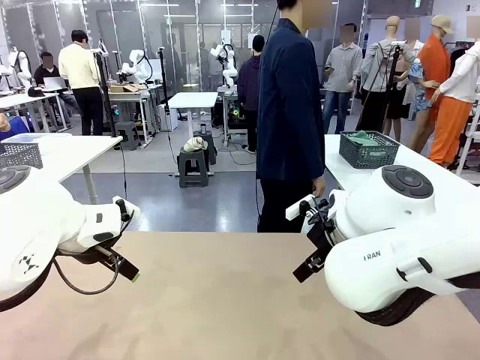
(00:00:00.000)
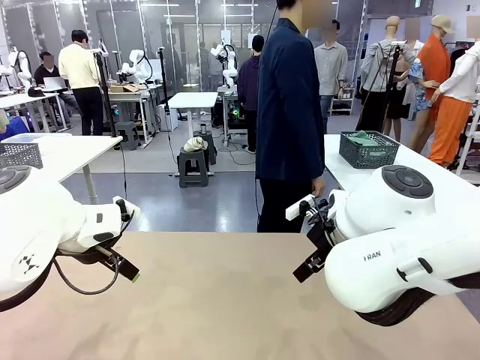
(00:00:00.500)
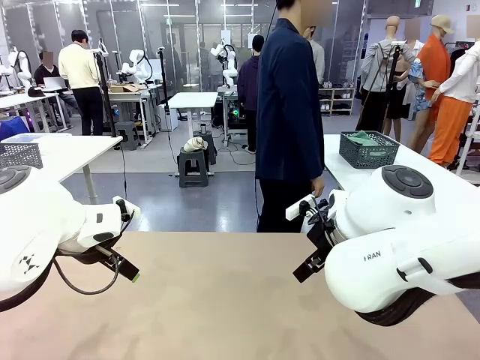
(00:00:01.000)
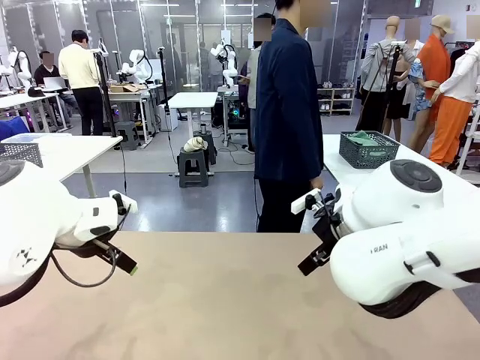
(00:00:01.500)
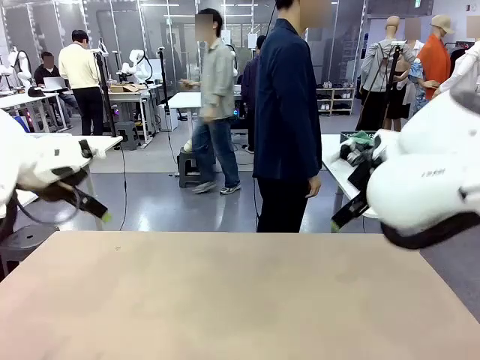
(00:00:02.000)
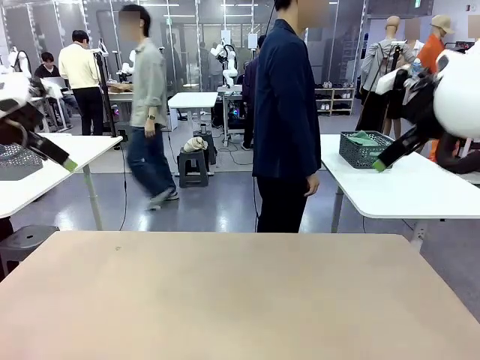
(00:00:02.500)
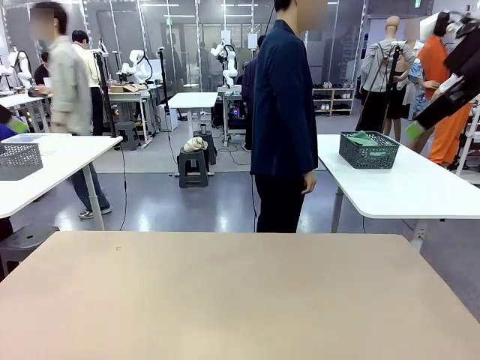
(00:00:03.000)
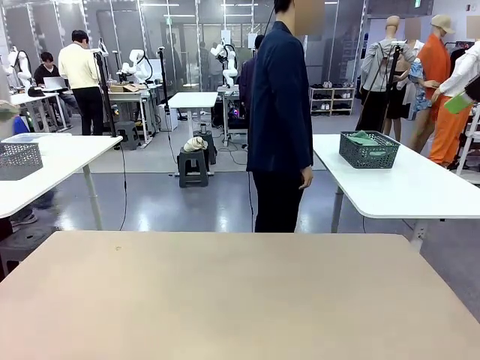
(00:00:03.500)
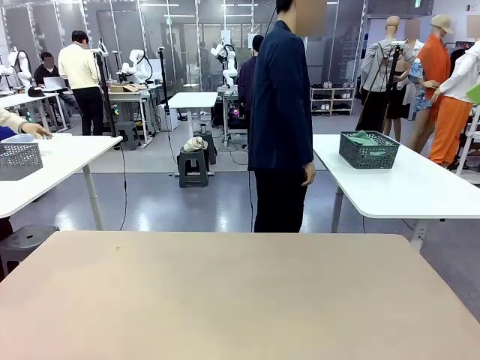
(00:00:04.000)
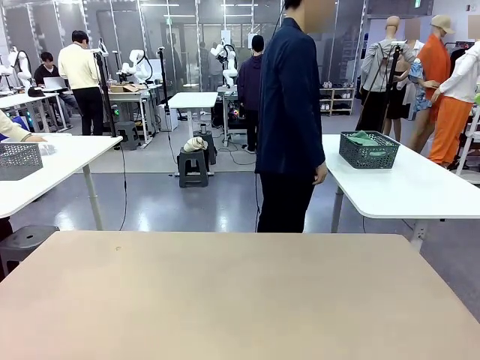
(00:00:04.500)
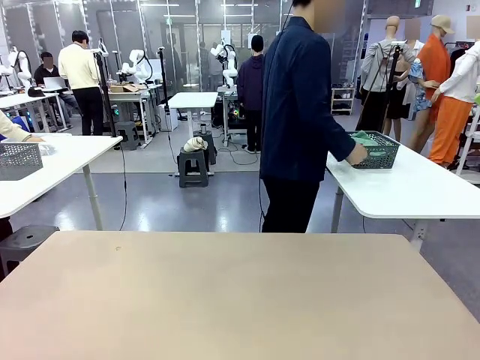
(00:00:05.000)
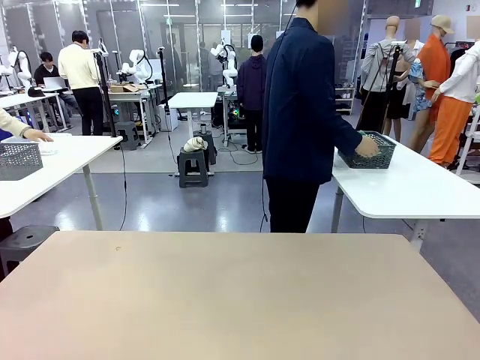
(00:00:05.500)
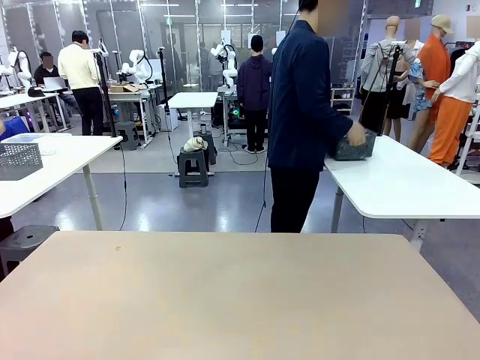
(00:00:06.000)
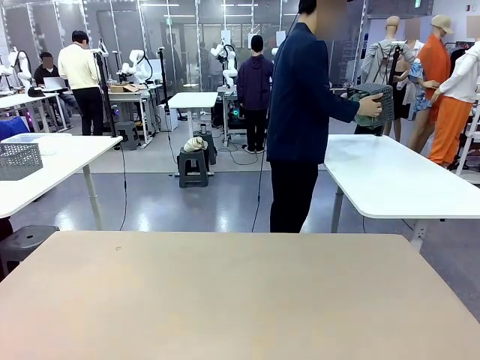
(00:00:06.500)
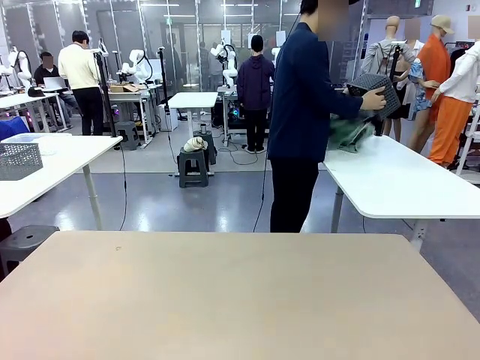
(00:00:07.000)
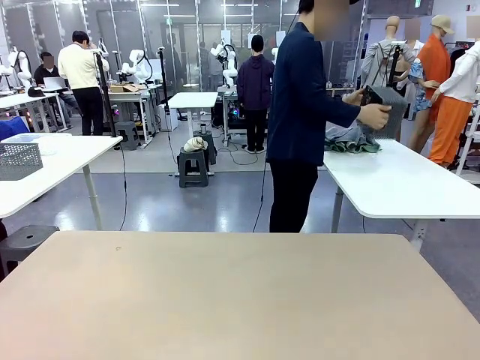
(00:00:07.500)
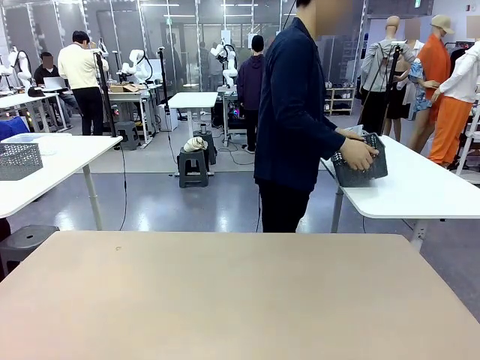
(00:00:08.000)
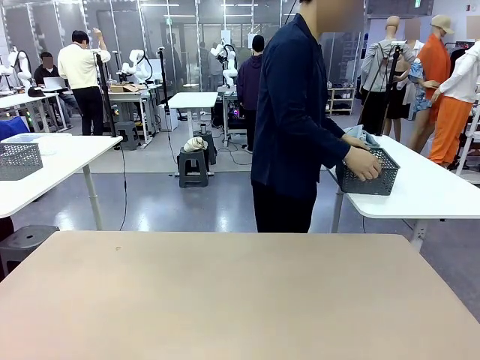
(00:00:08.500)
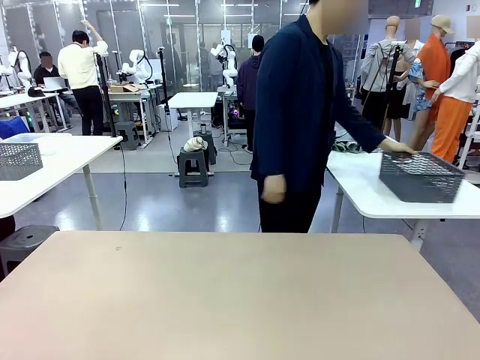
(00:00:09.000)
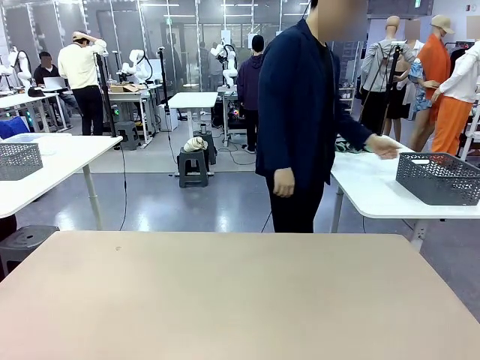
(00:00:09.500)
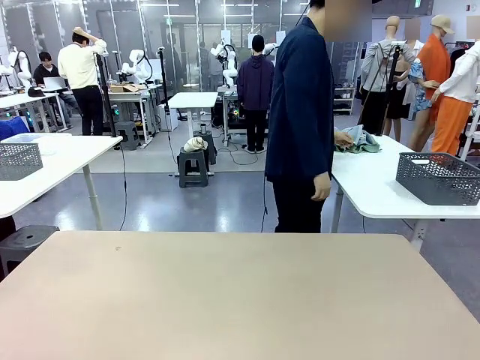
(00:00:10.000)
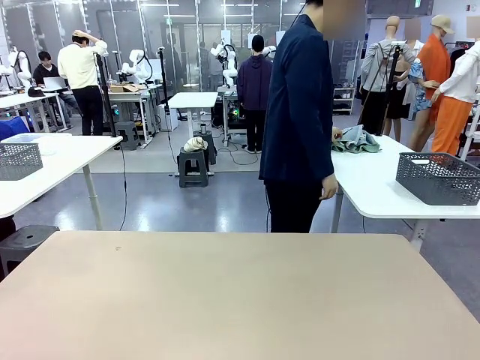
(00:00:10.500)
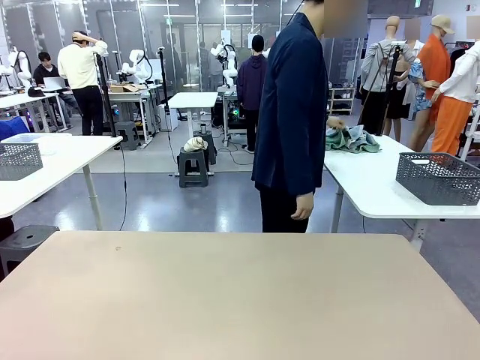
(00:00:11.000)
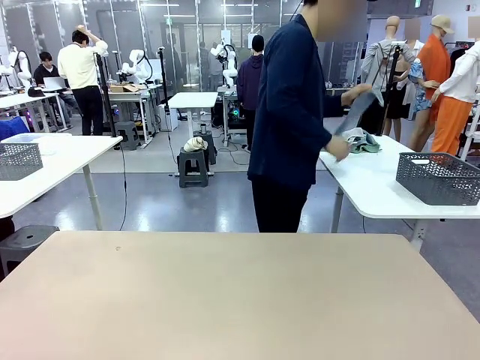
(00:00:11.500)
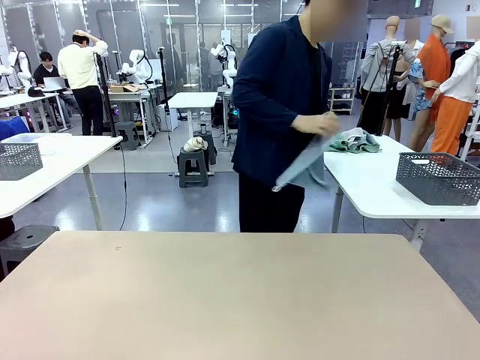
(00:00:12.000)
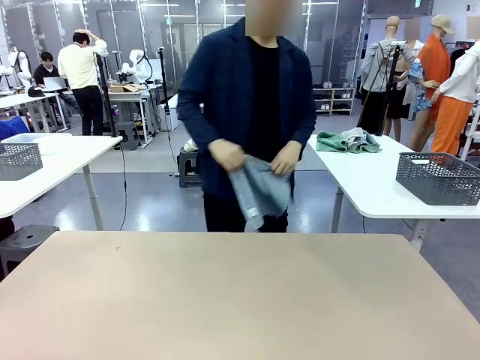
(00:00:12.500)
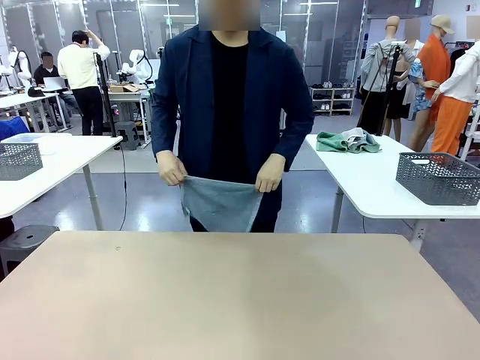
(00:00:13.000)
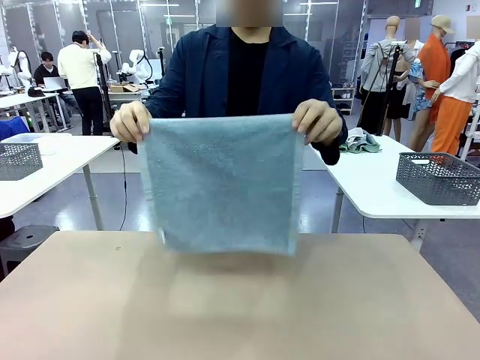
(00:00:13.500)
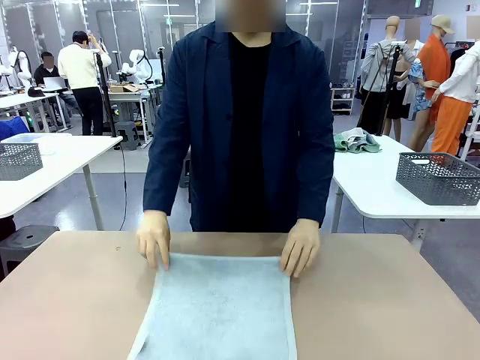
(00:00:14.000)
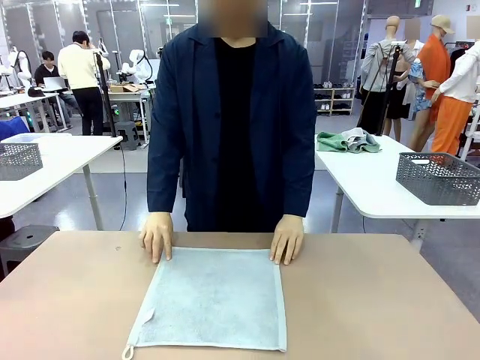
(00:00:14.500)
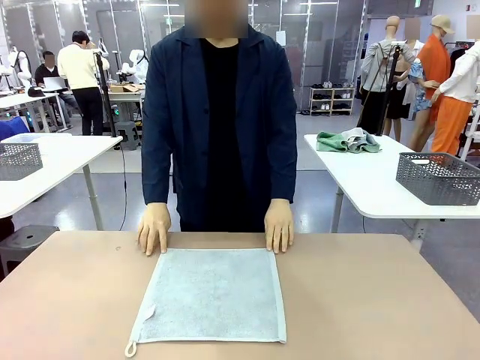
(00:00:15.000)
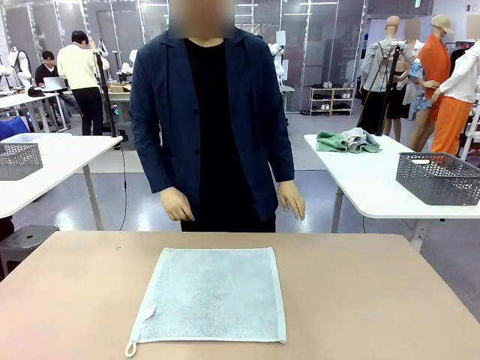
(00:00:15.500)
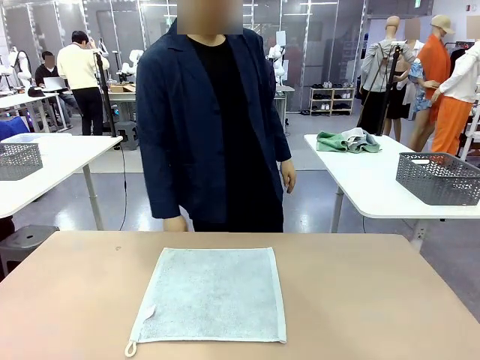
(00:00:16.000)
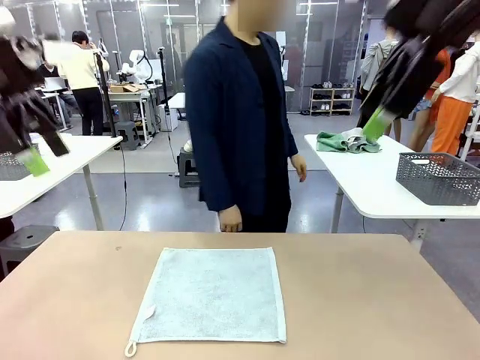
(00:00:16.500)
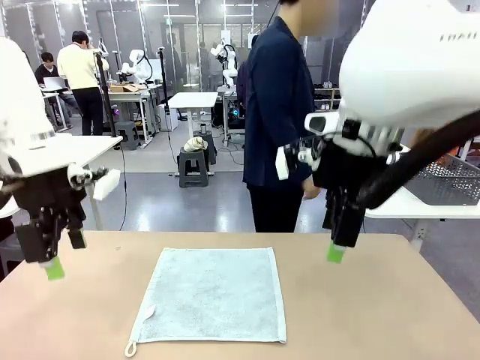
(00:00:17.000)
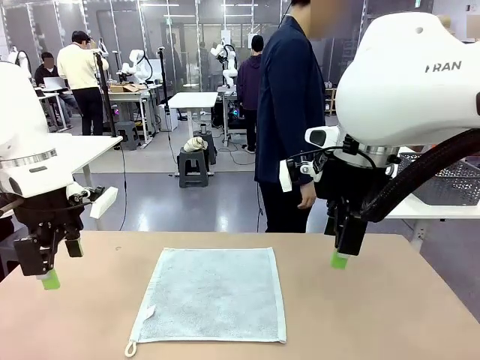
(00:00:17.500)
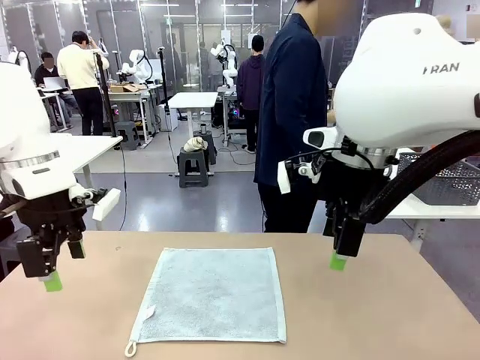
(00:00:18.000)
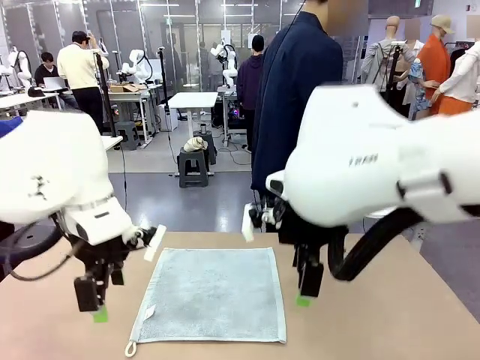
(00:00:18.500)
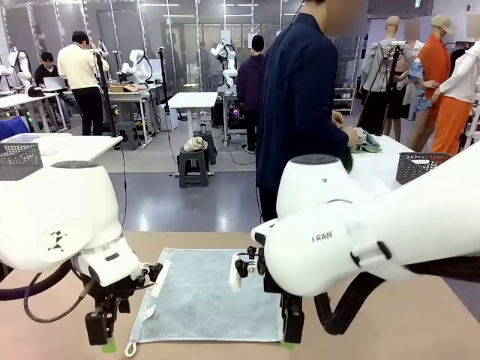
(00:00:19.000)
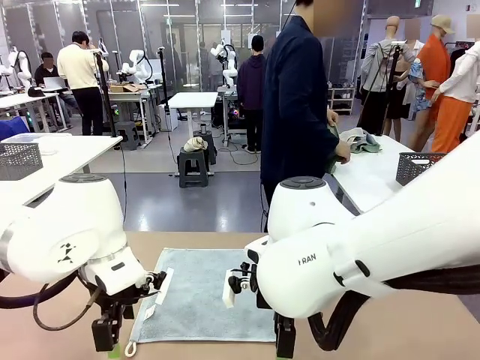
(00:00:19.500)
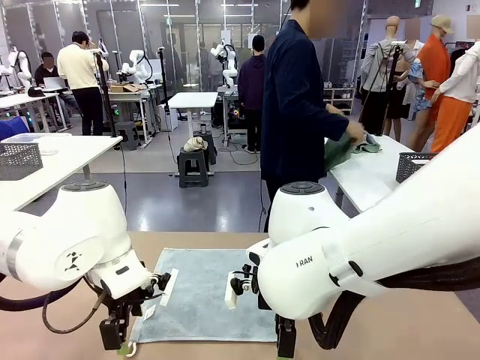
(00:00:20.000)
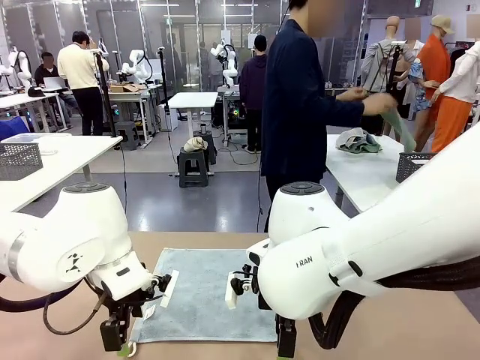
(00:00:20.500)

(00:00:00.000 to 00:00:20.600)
Task: Fold the towels and place them in the basket.
Robot: When a person lays out a Towel with hook on the table, fold it in half twice.
Person: Pick up the basket, pour the towels onto the left side of the human table, and place the basket on the right side. Pick up one towel and spread it out at the center of the robot table.
